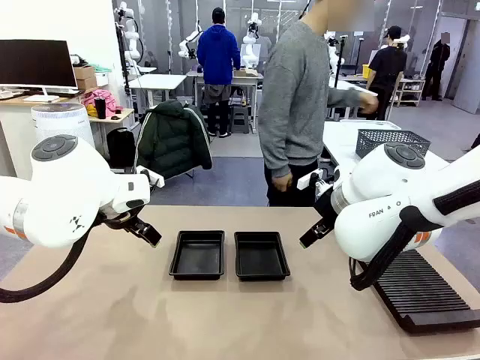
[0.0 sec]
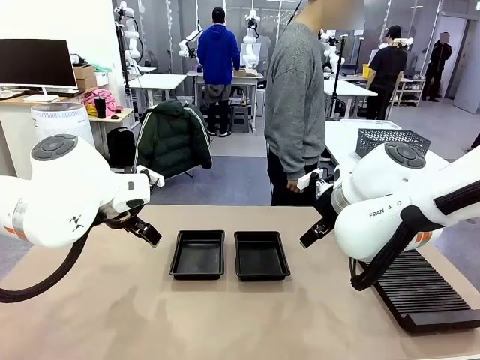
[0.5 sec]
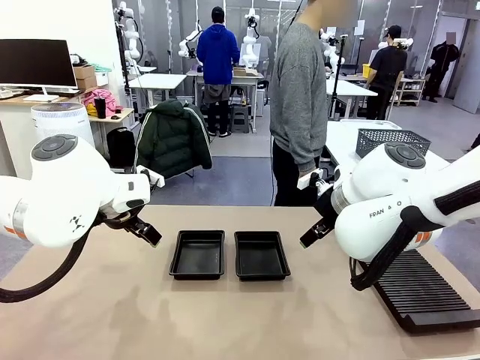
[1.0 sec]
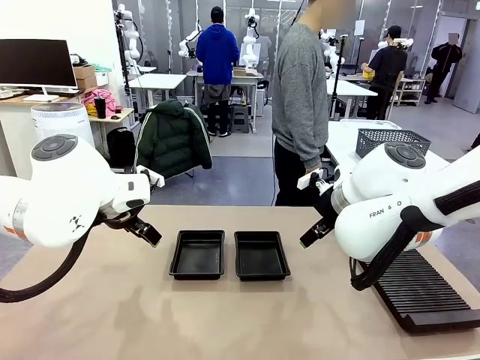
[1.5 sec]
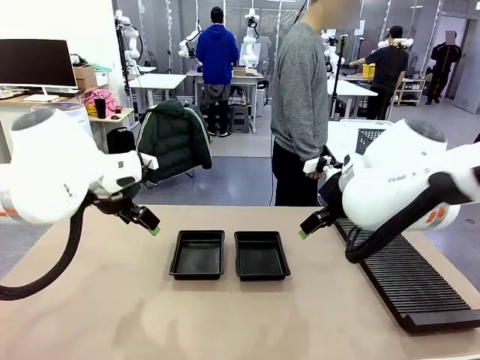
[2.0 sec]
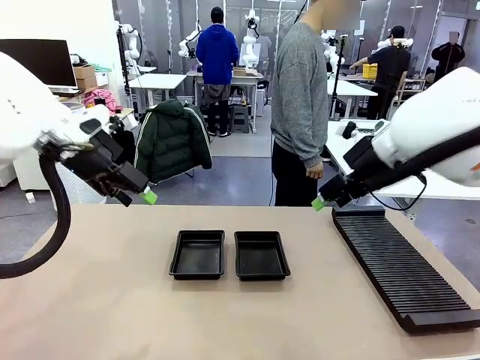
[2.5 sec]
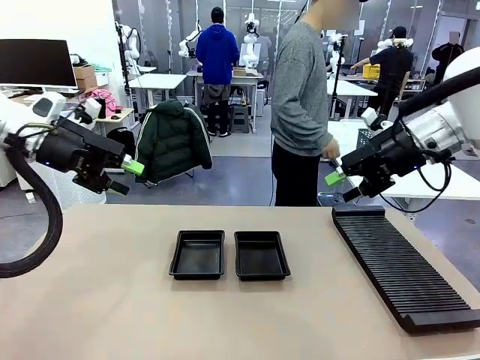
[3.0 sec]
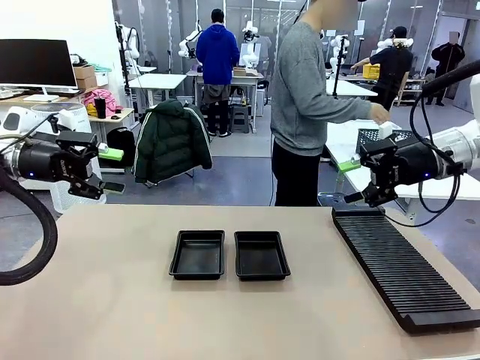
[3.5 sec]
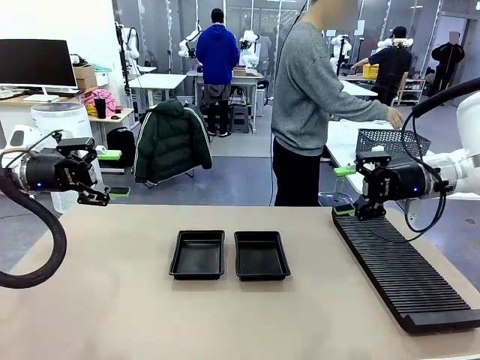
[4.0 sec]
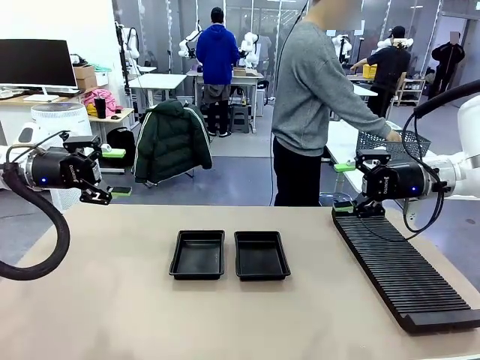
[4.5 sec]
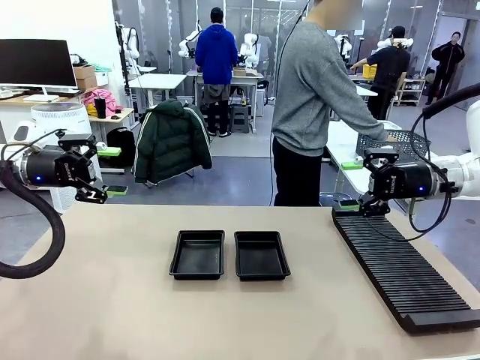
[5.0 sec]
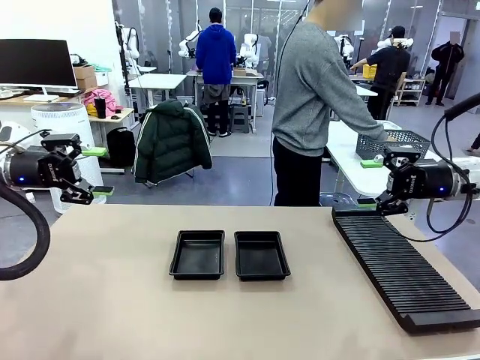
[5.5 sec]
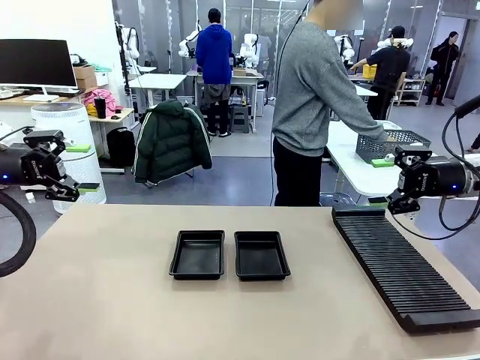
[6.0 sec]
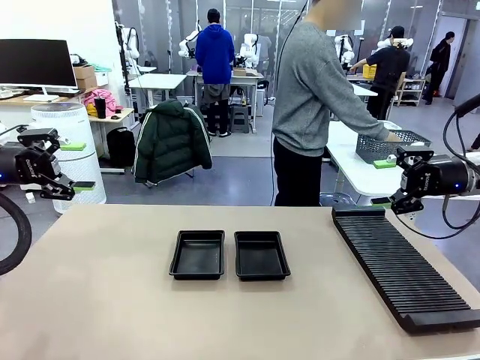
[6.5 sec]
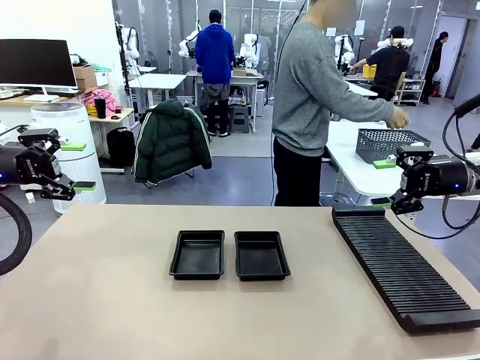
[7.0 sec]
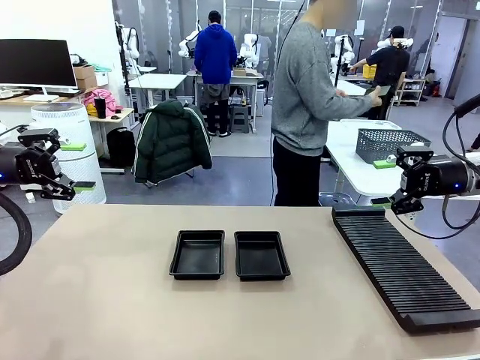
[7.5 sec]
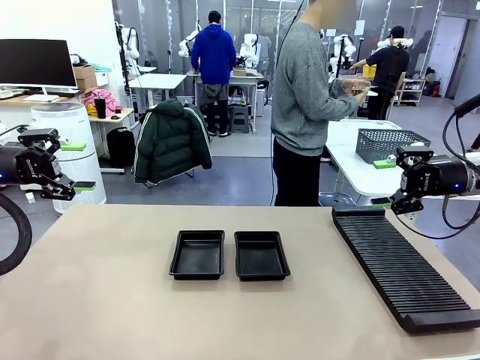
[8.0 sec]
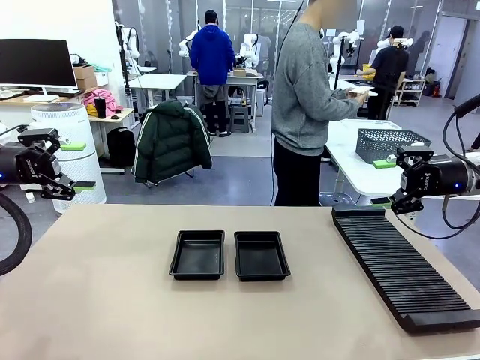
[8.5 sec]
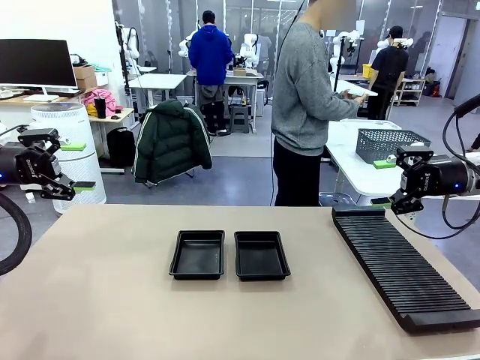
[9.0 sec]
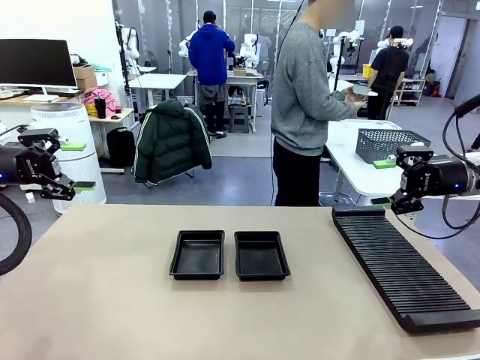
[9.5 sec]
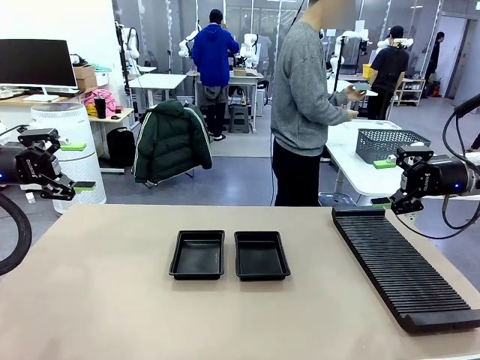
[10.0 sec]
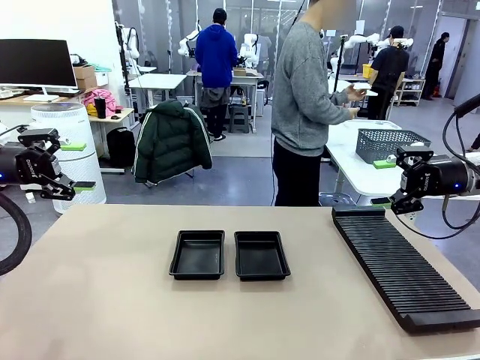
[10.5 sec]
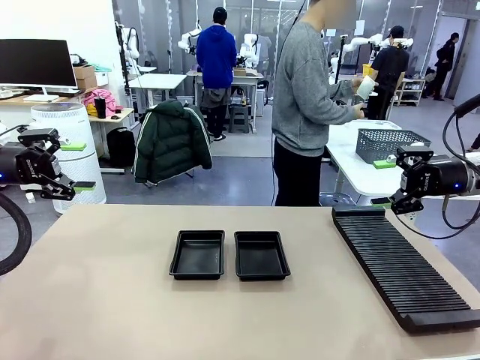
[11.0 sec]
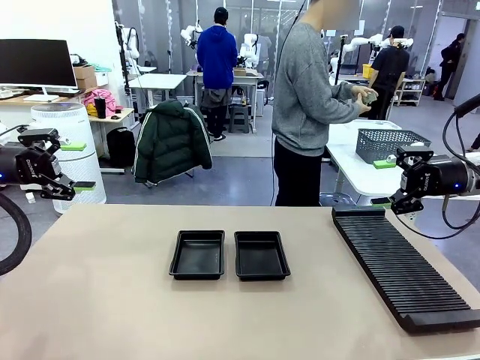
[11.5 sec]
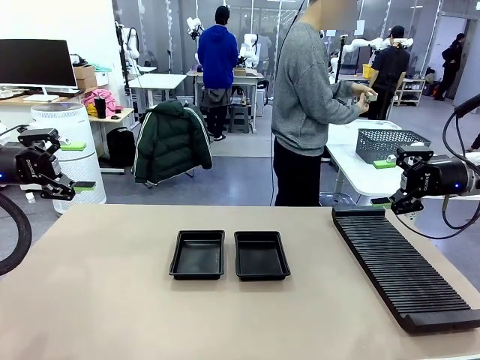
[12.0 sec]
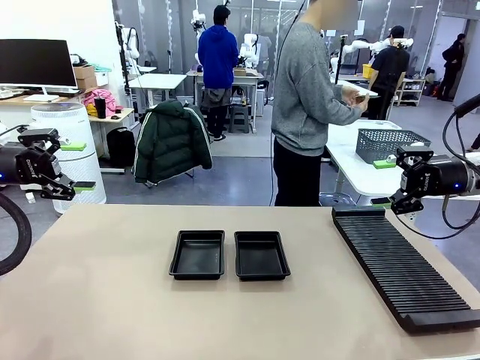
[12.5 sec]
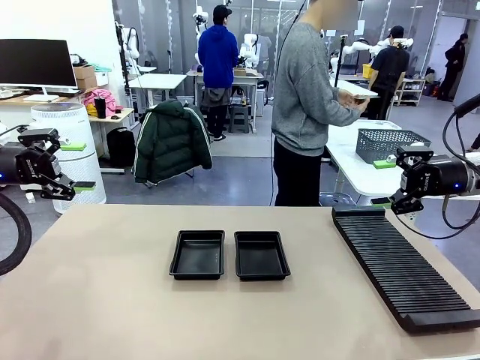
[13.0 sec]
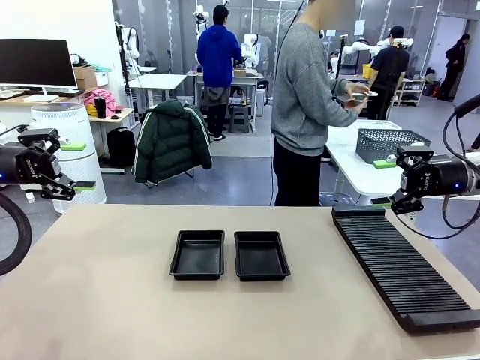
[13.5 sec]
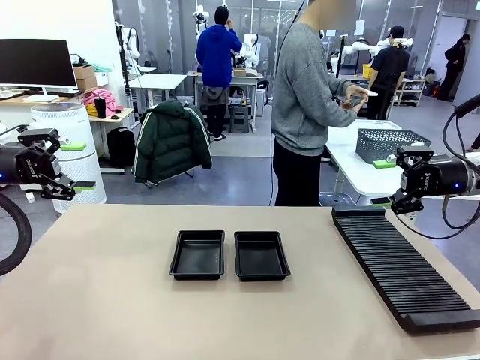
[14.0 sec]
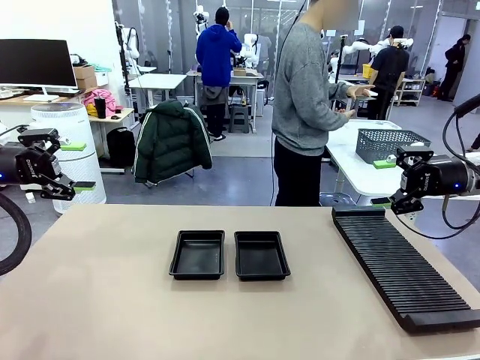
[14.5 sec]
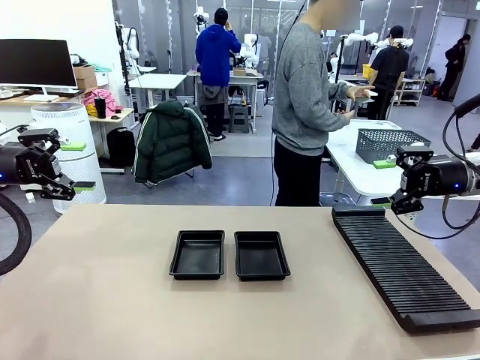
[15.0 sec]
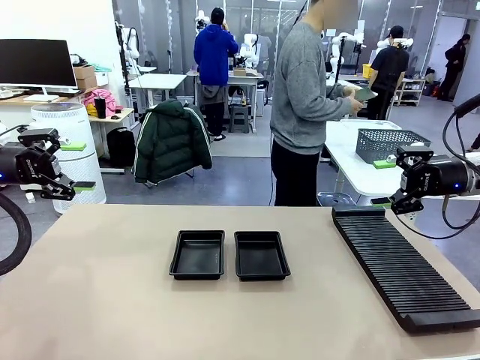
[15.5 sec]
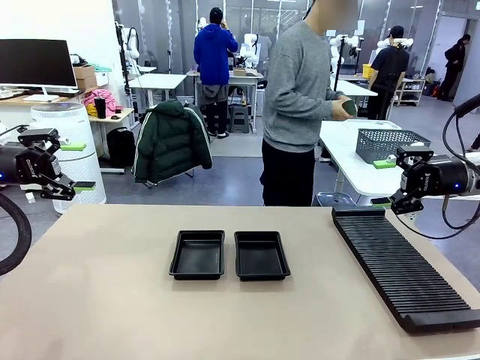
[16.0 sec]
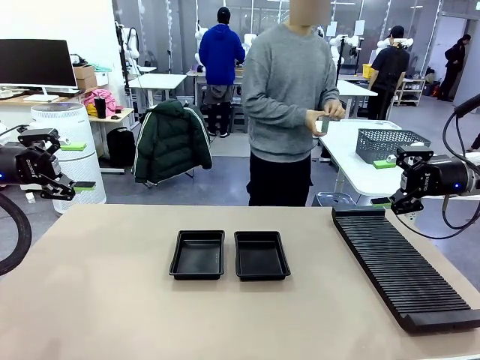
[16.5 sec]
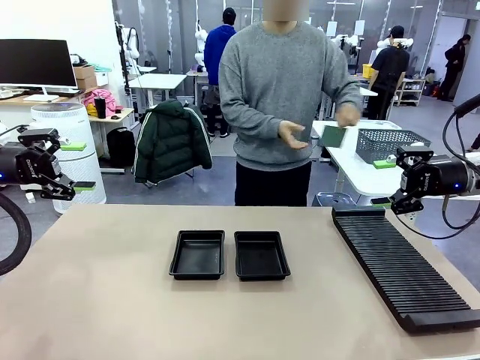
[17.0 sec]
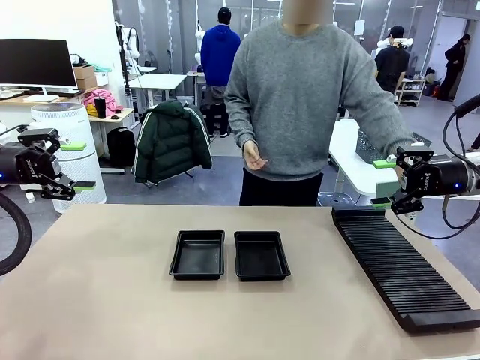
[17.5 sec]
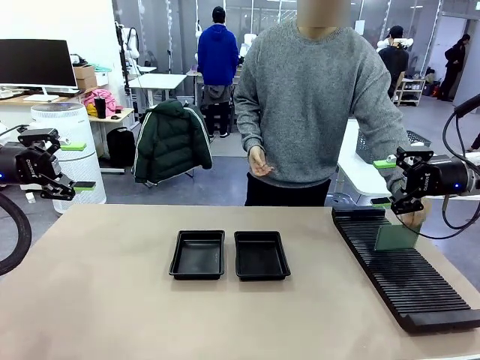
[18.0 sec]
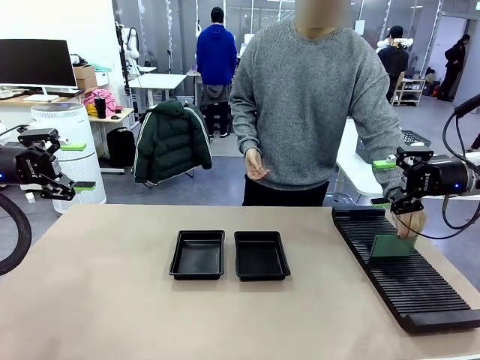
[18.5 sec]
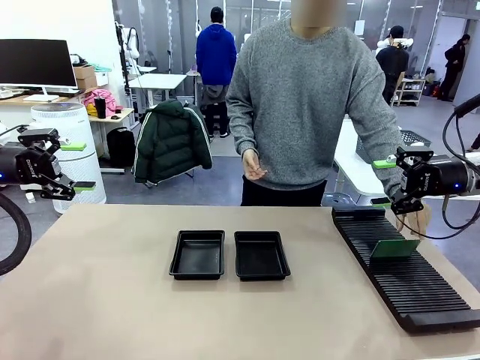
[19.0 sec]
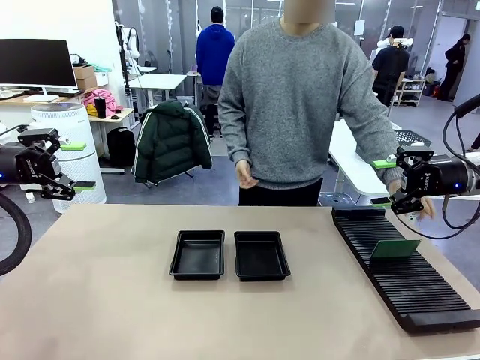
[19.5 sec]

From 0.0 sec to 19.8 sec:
Task: Inspect and transfer BCBs to ESD trays.
Robot: Pick up the Blank PCB from the PCB Rack and place it in the left ESD tray.
